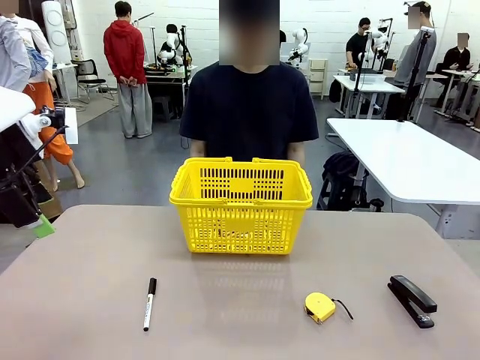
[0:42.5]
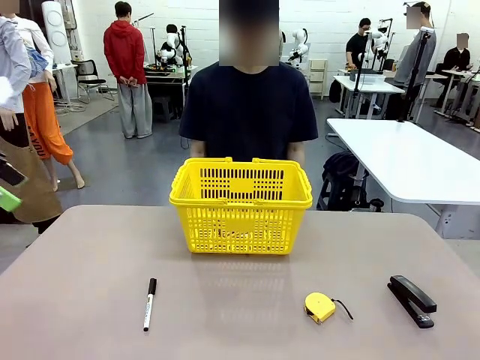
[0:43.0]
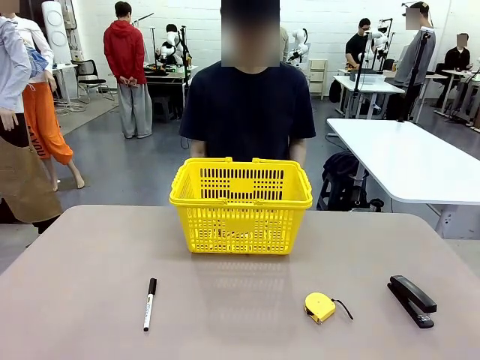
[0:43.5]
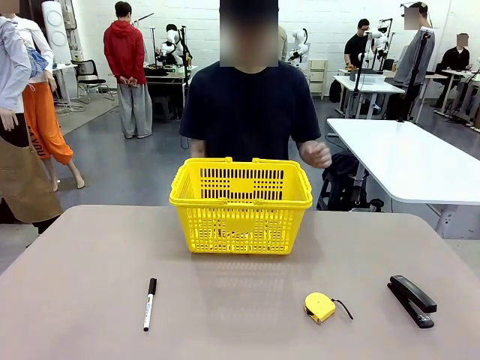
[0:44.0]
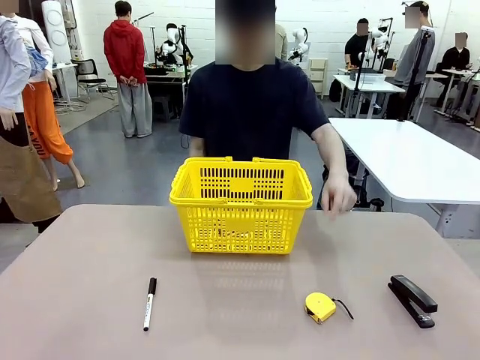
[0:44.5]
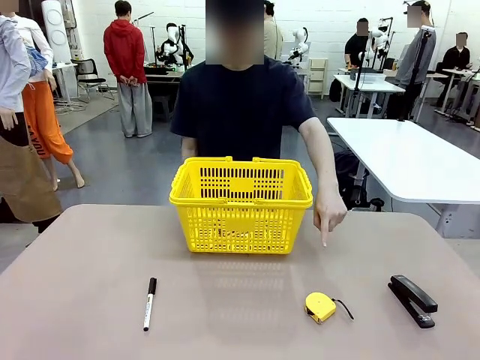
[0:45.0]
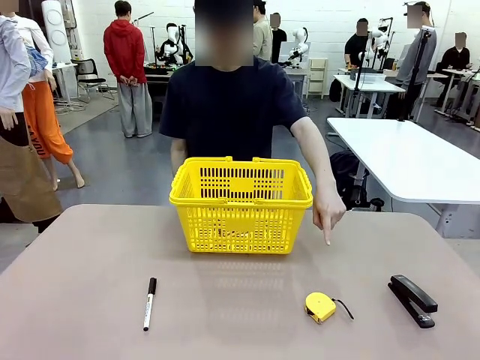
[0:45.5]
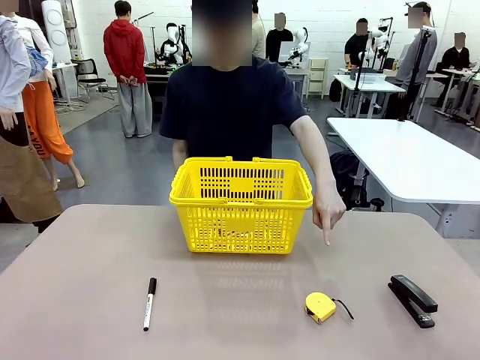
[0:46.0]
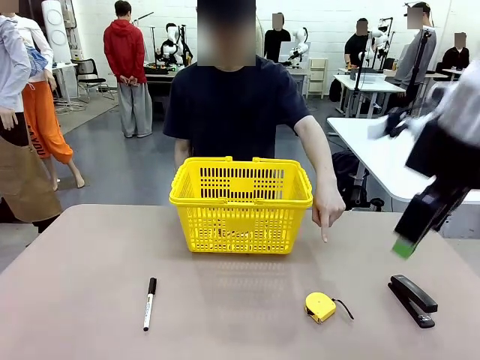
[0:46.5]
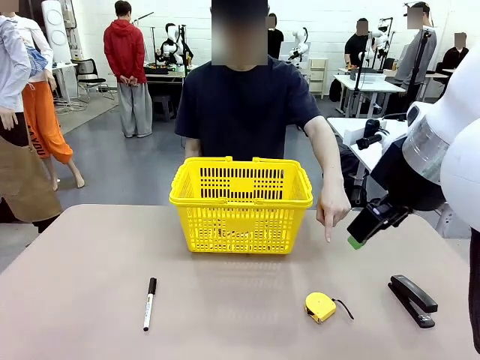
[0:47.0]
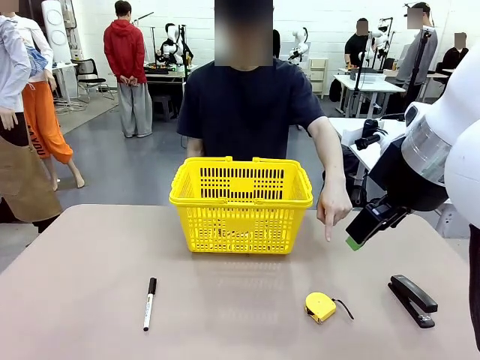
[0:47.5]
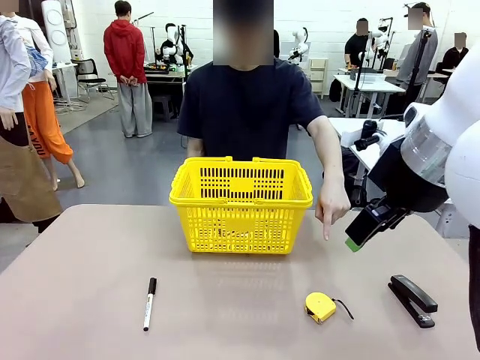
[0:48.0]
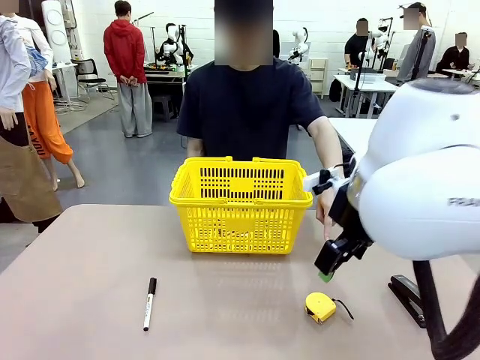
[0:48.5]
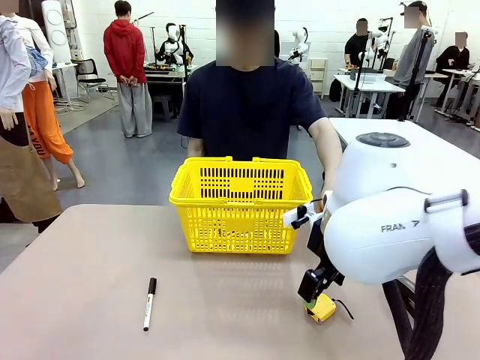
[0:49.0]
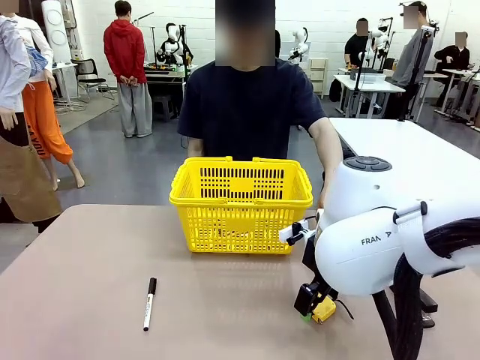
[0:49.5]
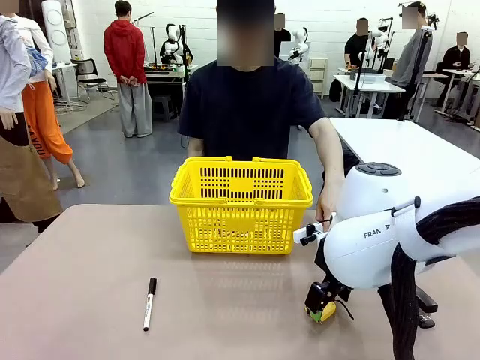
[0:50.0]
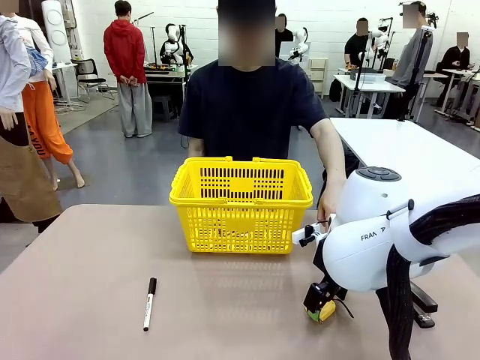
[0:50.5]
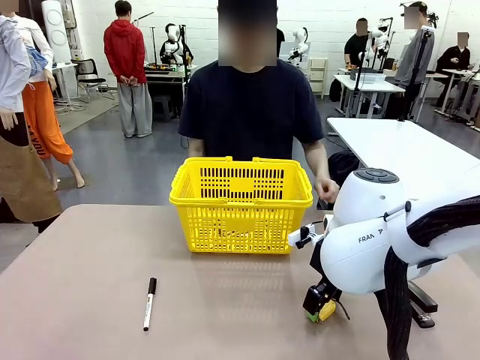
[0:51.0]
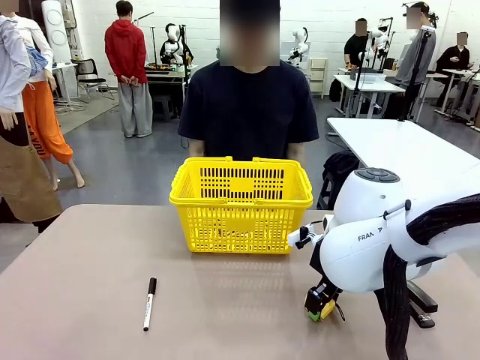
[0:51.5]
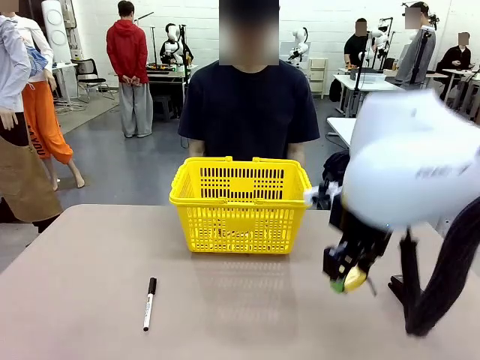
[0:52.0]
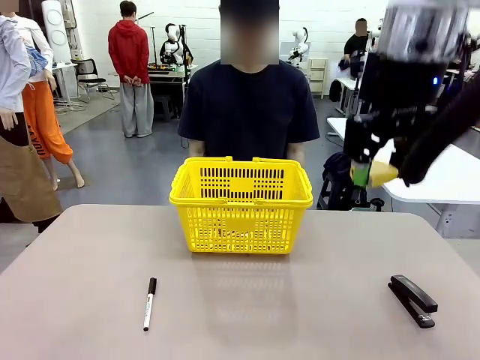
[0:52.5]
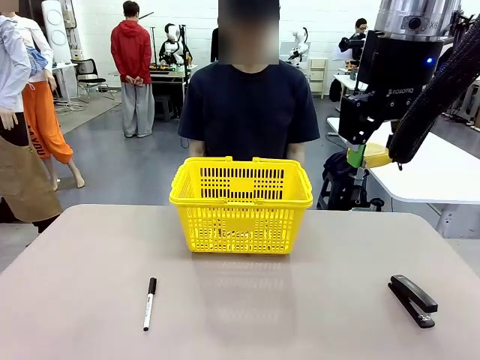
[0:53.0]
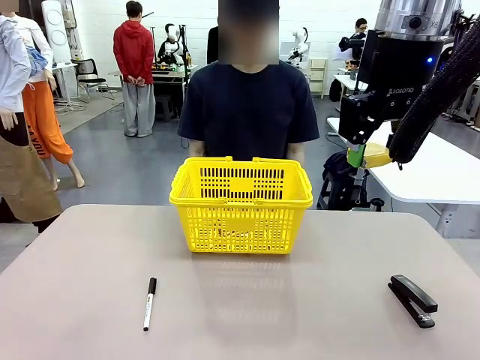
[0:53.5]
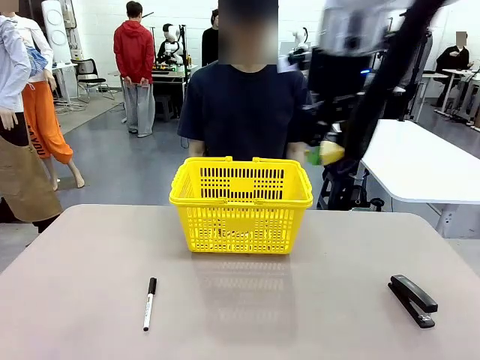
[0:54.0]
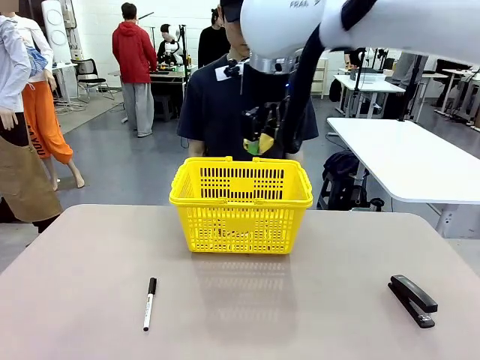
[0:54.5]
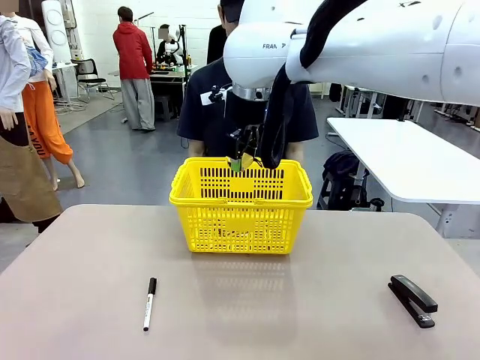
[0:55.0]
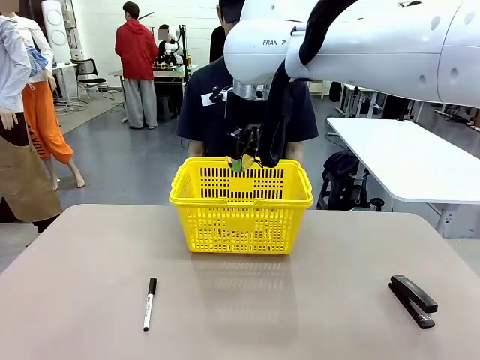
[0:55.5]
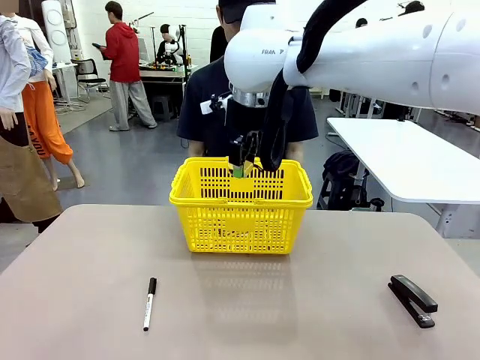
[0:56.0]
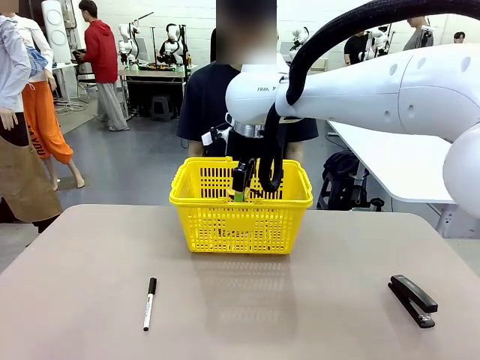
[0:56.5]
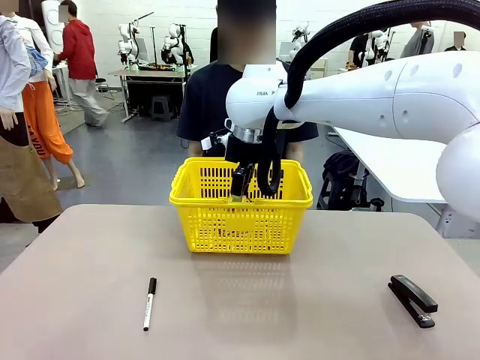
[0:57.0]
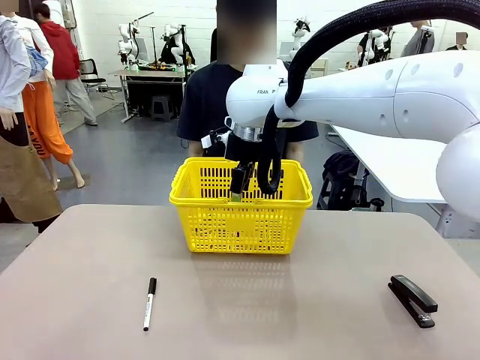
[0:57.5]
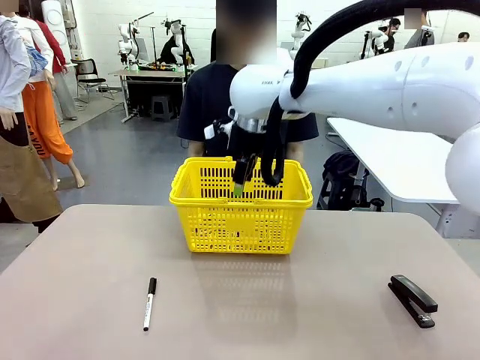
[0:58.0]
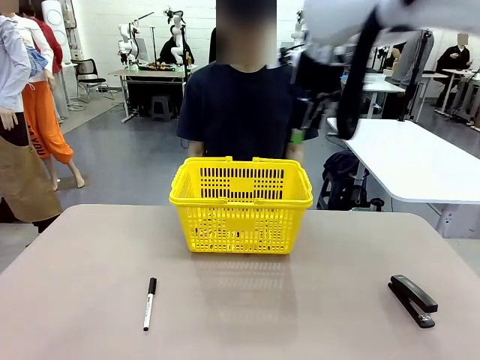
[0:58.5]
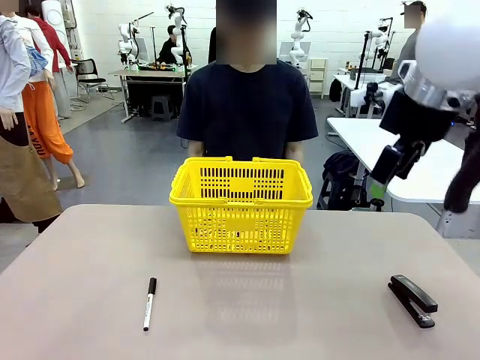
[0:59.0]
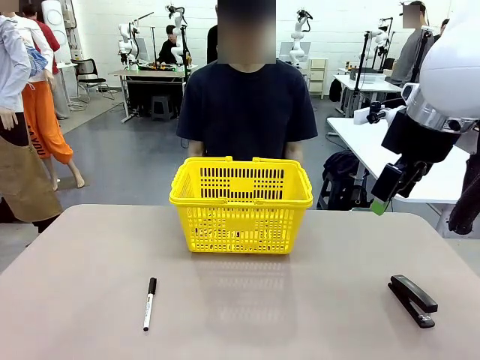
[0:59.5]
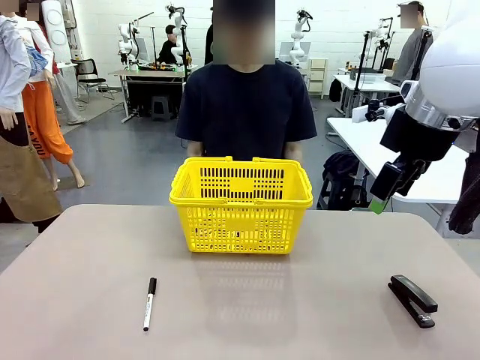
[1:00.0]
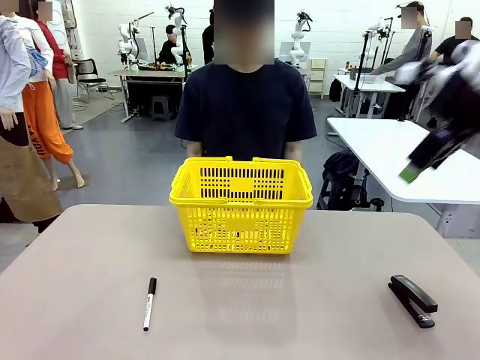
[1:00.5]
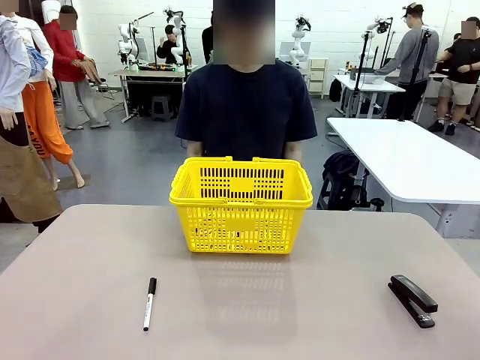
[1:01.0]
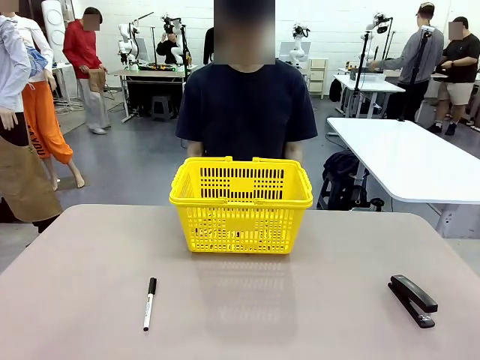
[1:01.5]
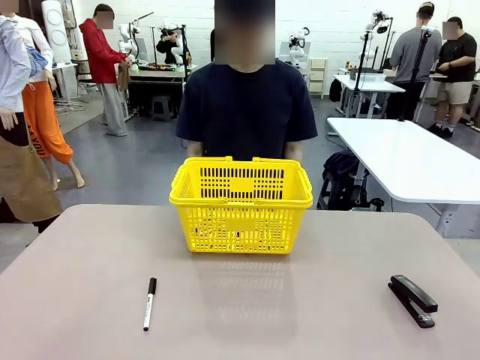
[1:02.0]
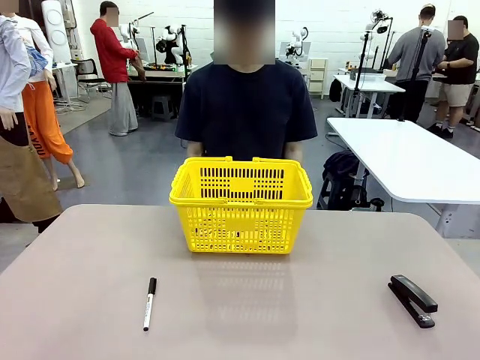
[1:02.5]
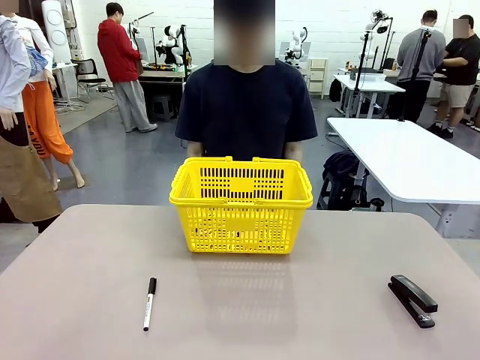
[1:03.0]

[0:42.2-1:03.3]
Task: Place the items the person wants into the basket.
Robot: Pick up the item the person points to and place it in the Market Basket.

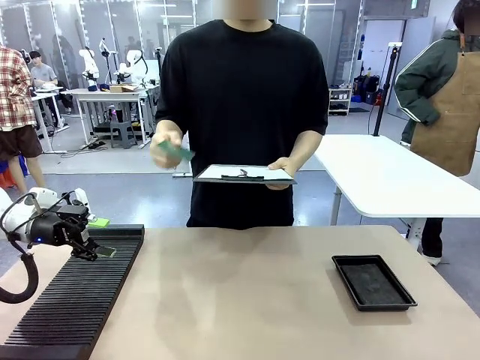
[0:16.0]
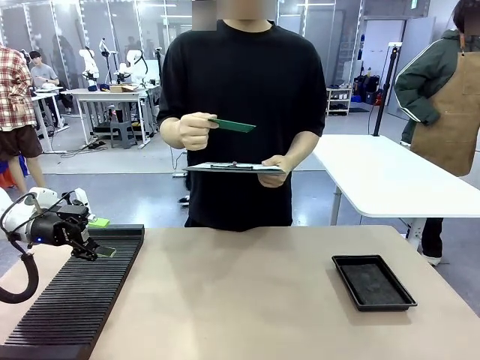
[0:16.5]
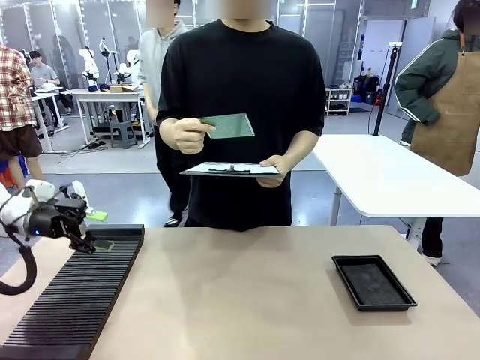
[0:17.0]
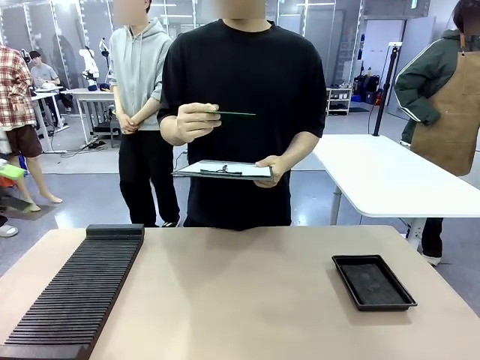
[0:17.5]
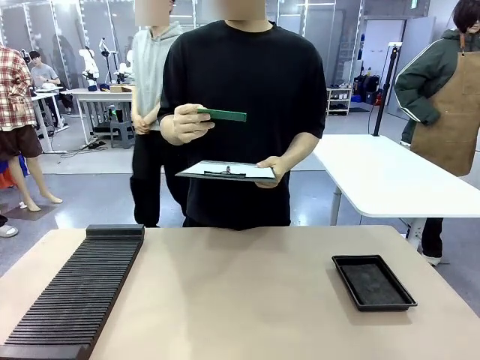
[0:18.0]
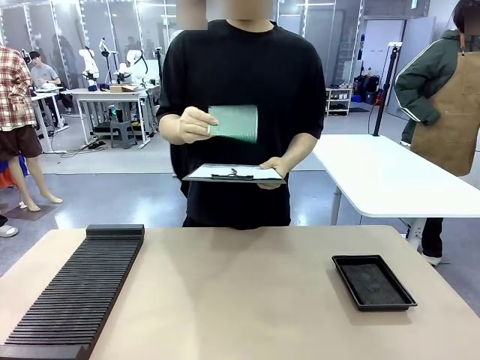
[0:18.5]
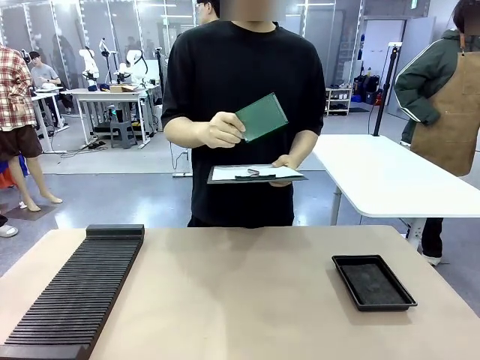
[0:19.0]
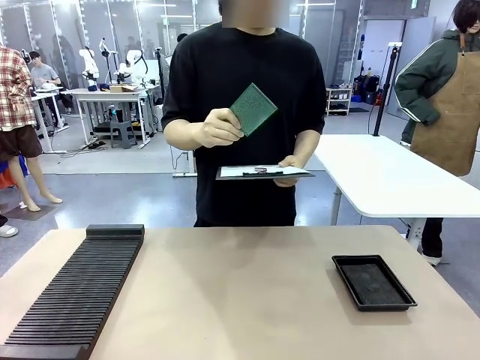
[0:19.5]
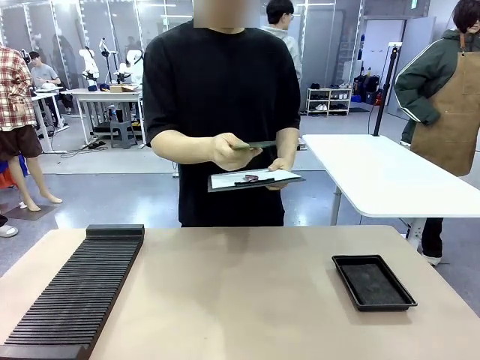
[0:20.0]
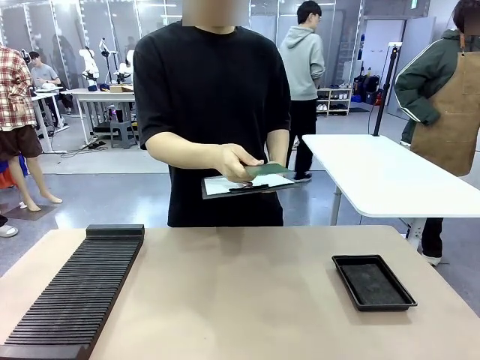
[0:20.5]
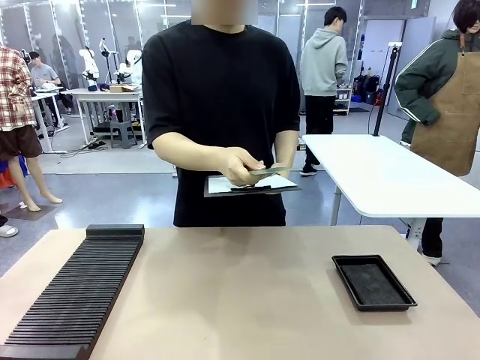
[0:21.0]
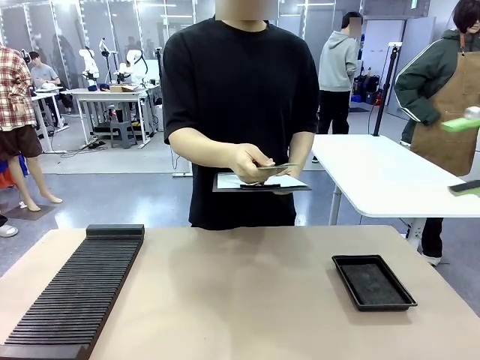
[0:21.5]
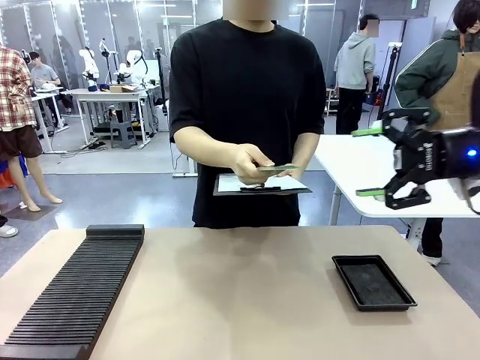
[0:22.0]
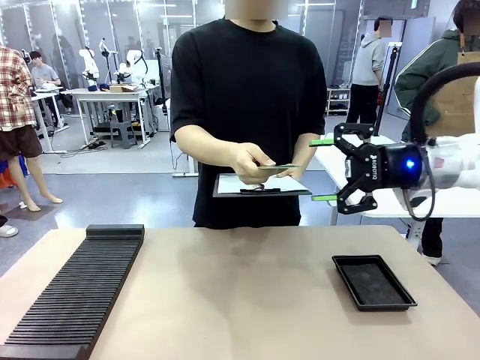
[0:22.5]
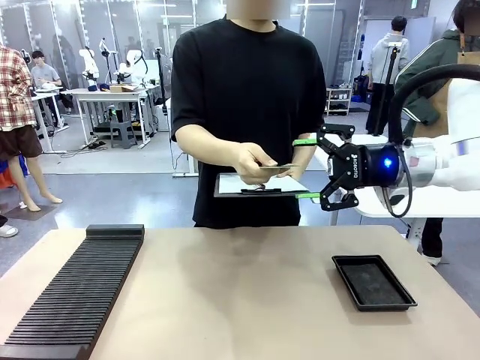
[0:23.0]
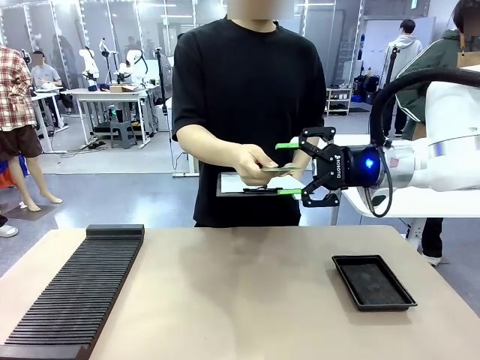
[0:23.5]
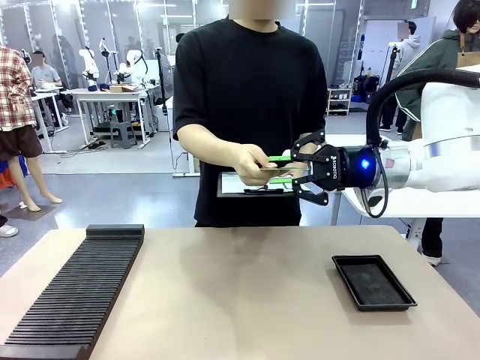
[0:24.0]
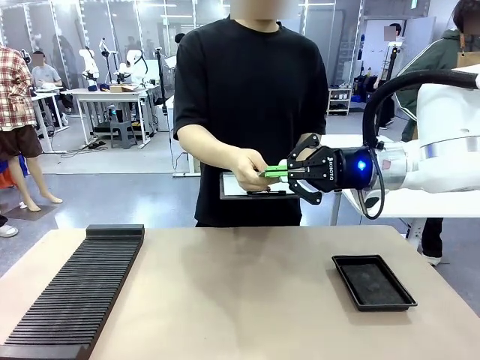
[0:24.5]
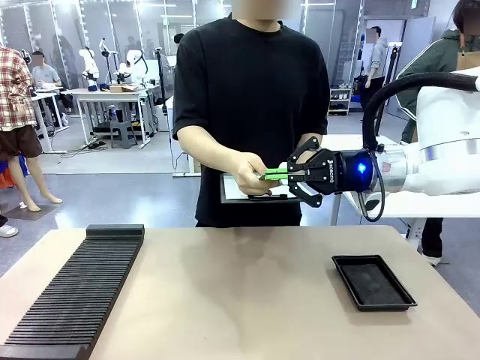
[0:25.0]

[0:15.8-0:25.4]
Task: Inspect the PCB.
Robot: Pick up the Blank PCB that the human is holding.
Person: Inspect the PCB placed by the robot, then hold it out in front of the robot. Release the PCB you were holding.
